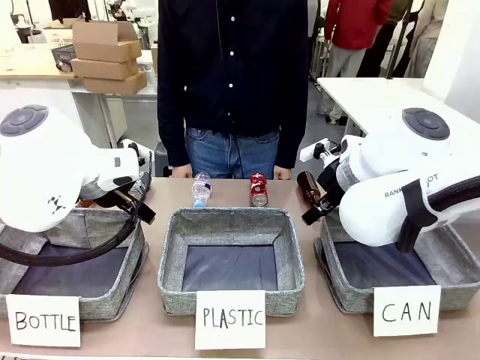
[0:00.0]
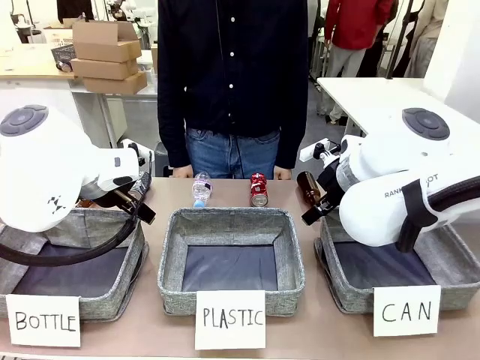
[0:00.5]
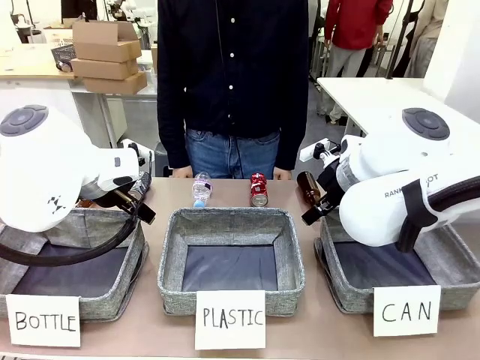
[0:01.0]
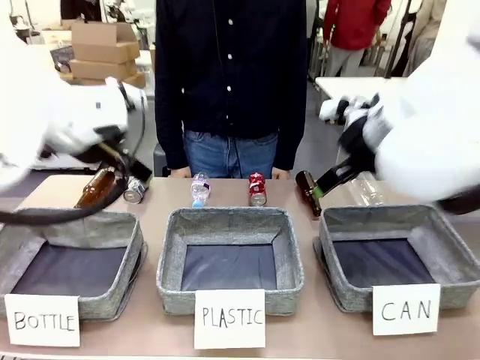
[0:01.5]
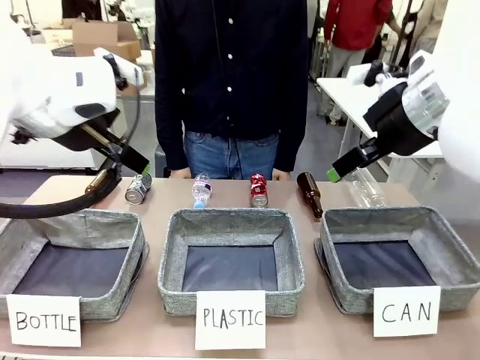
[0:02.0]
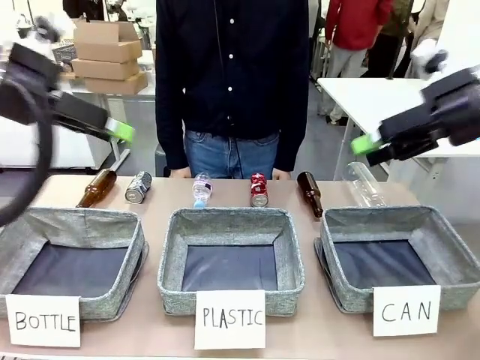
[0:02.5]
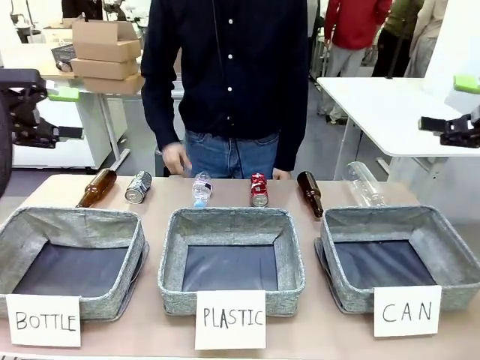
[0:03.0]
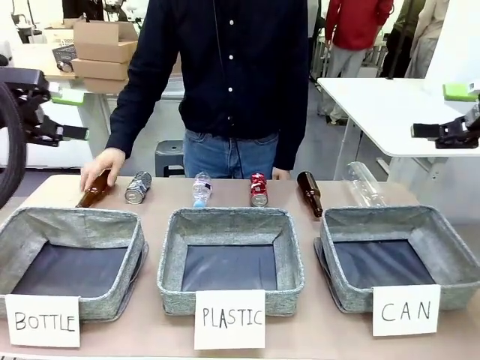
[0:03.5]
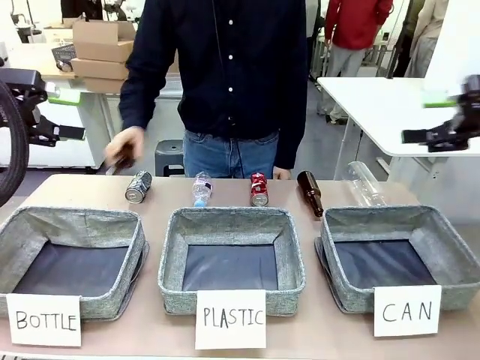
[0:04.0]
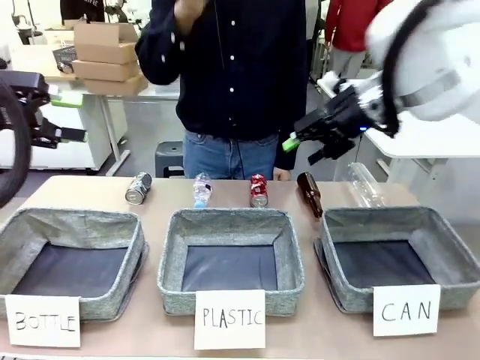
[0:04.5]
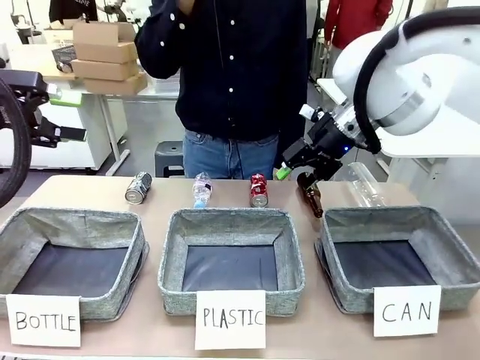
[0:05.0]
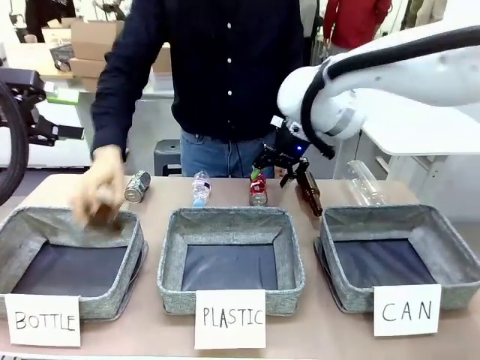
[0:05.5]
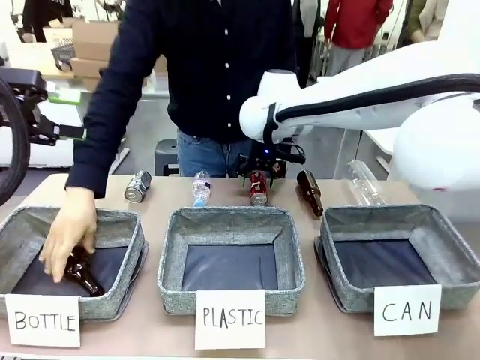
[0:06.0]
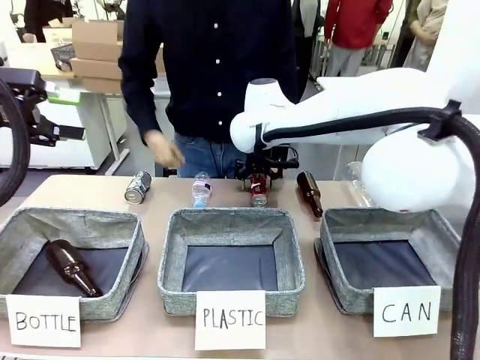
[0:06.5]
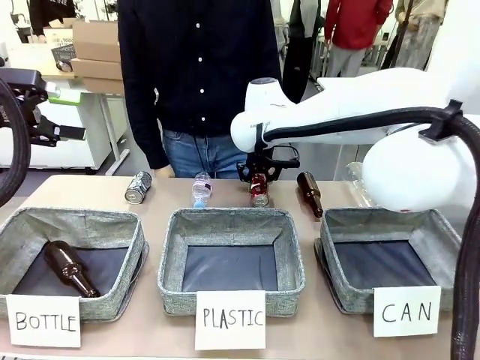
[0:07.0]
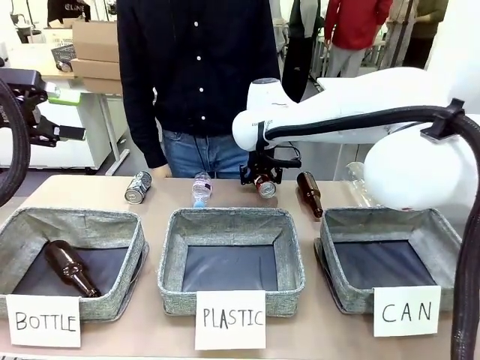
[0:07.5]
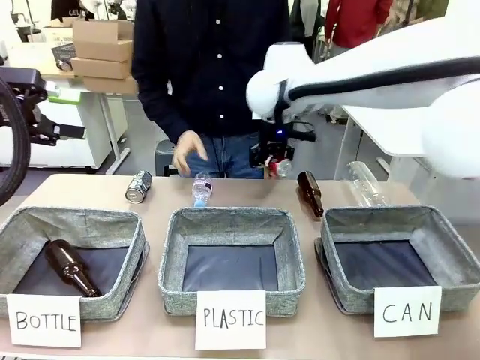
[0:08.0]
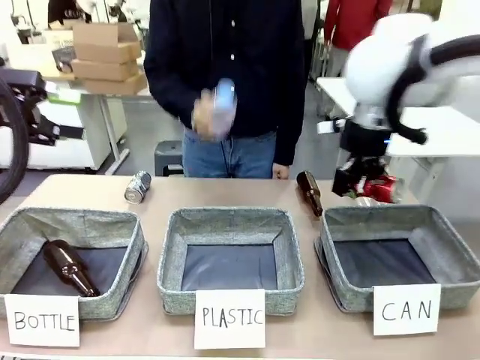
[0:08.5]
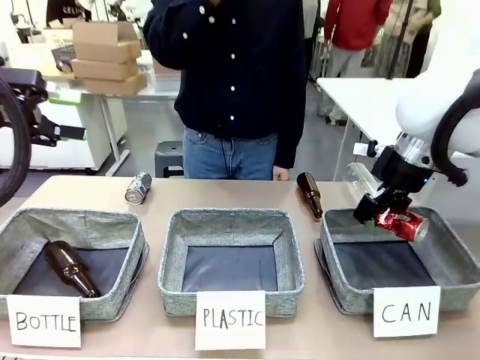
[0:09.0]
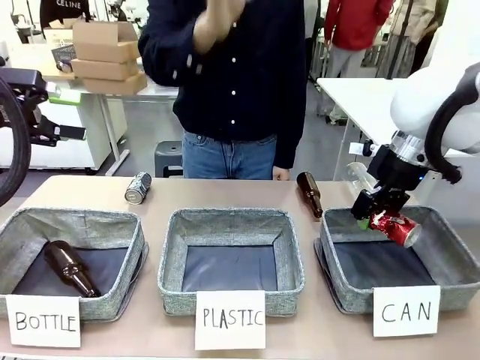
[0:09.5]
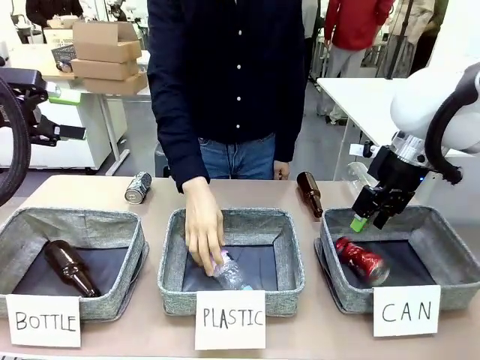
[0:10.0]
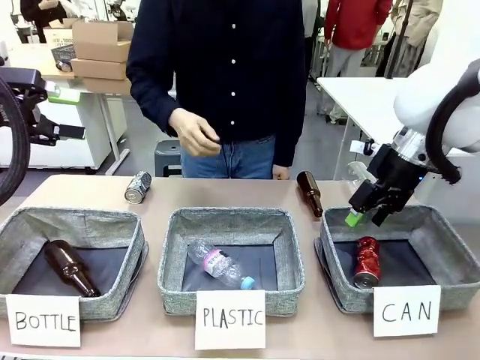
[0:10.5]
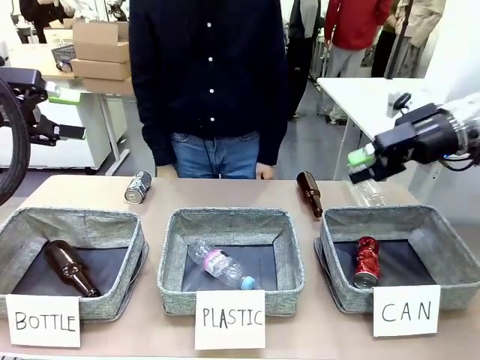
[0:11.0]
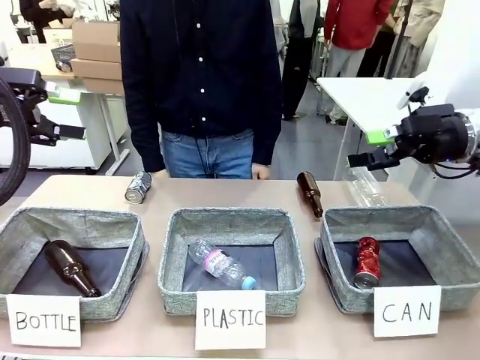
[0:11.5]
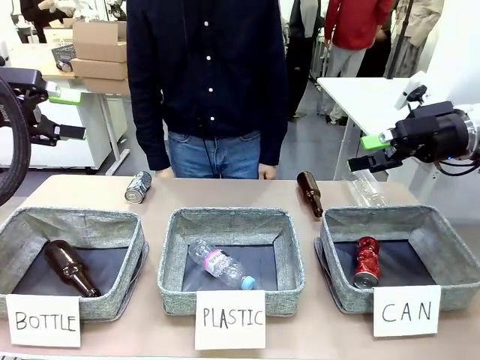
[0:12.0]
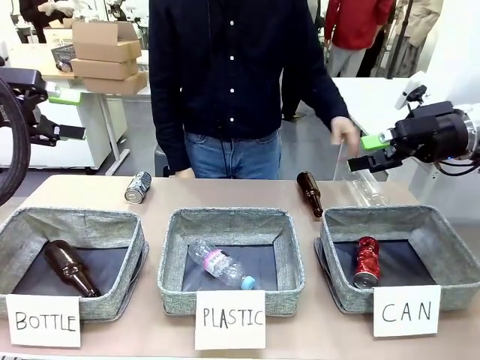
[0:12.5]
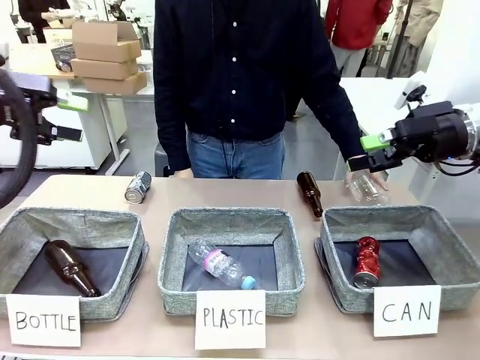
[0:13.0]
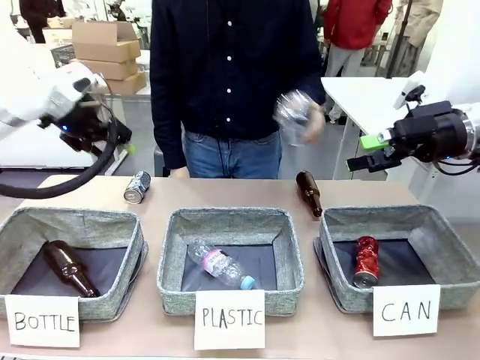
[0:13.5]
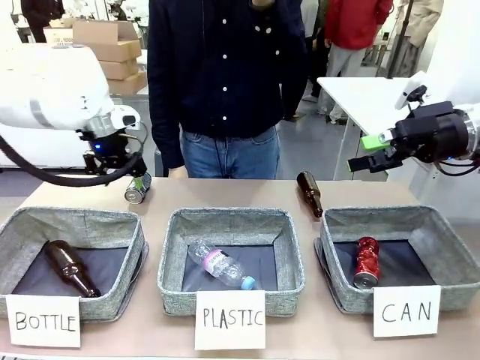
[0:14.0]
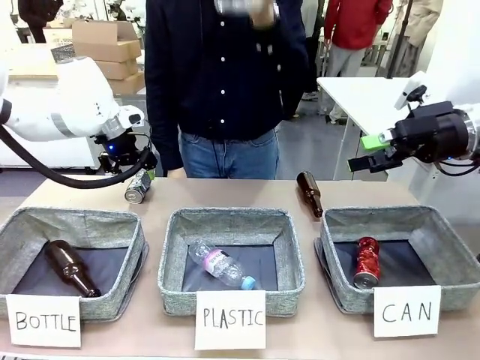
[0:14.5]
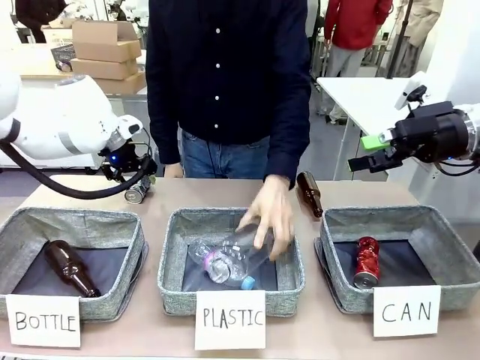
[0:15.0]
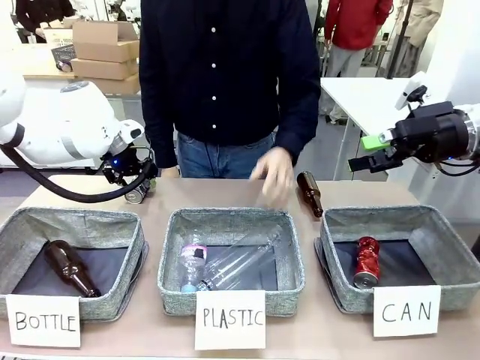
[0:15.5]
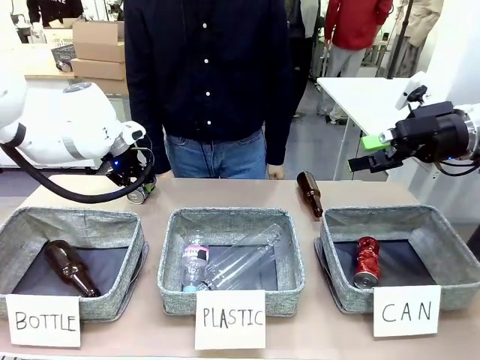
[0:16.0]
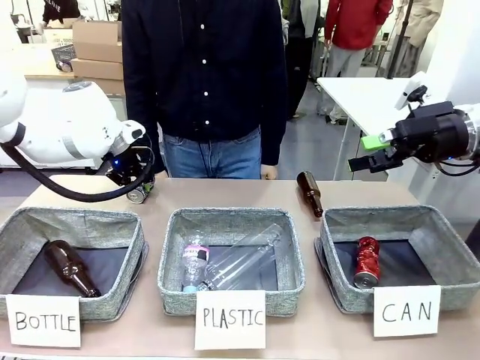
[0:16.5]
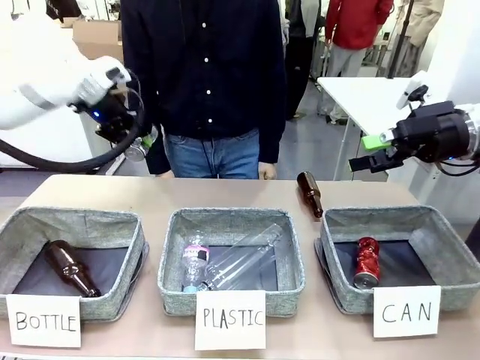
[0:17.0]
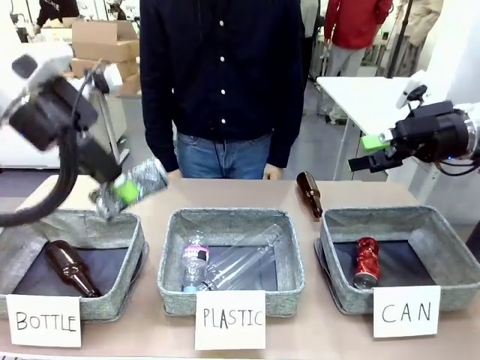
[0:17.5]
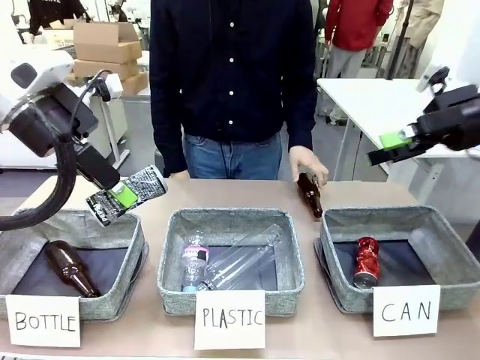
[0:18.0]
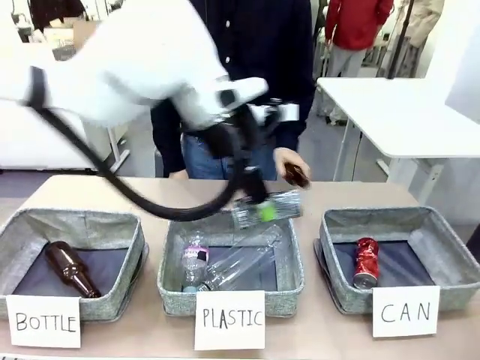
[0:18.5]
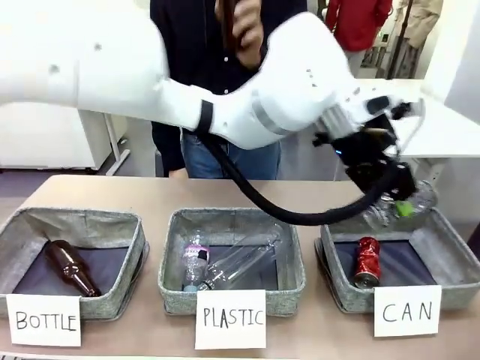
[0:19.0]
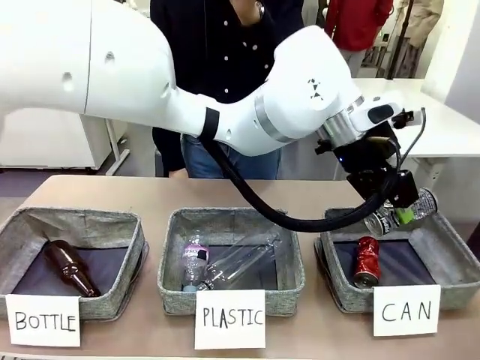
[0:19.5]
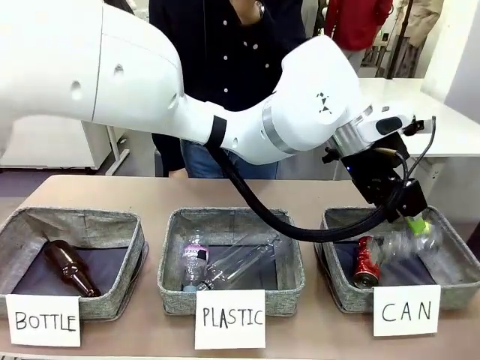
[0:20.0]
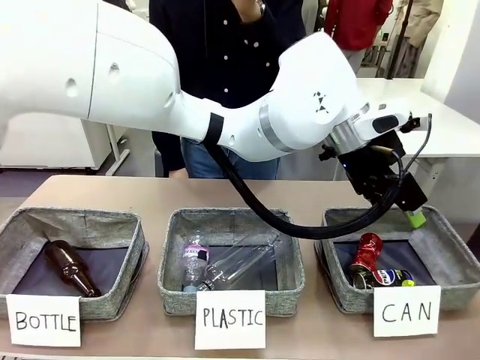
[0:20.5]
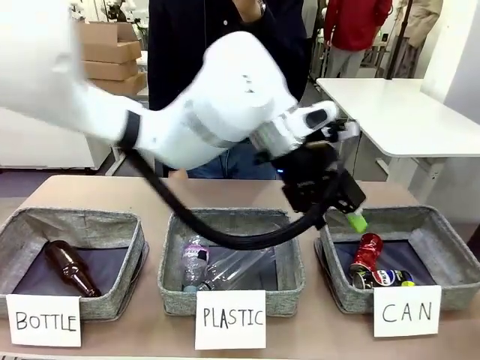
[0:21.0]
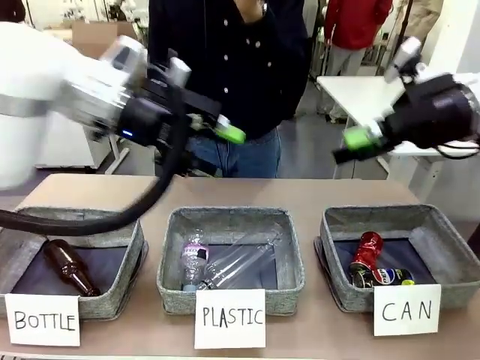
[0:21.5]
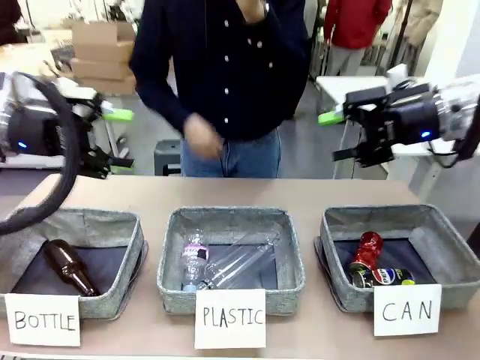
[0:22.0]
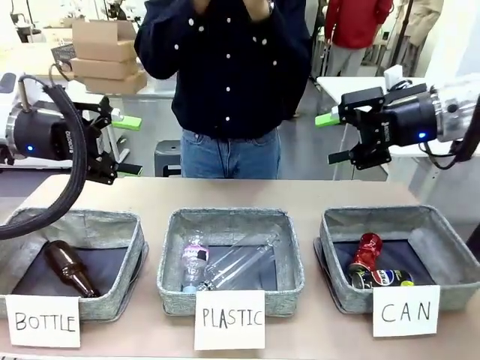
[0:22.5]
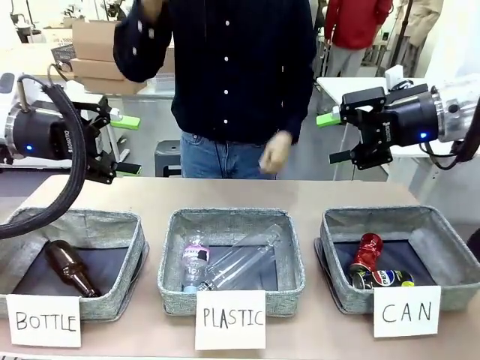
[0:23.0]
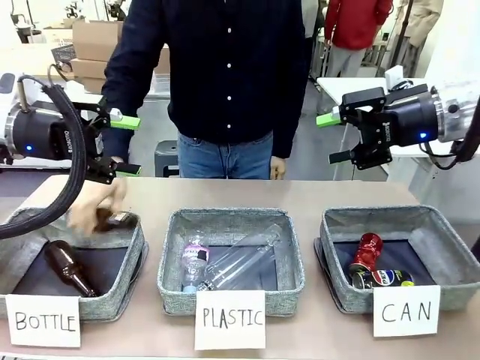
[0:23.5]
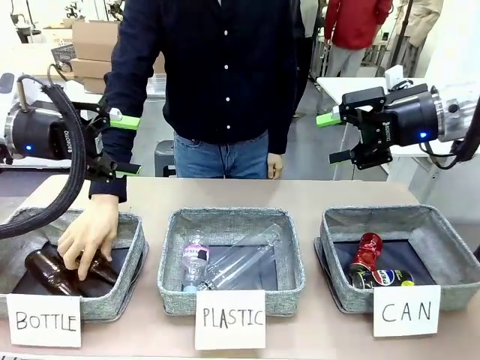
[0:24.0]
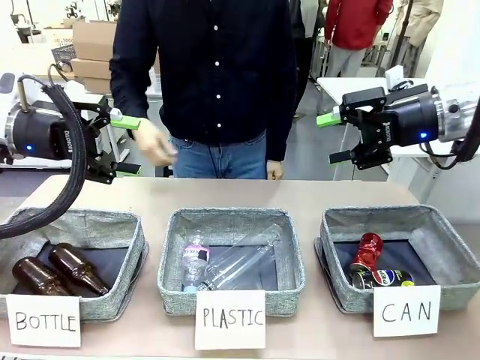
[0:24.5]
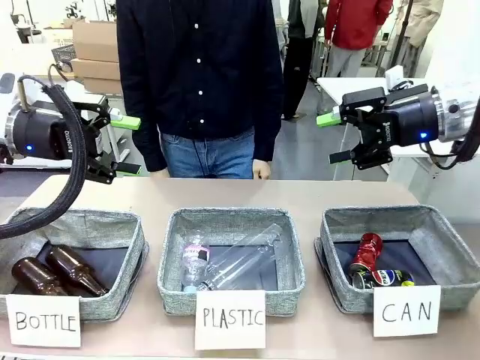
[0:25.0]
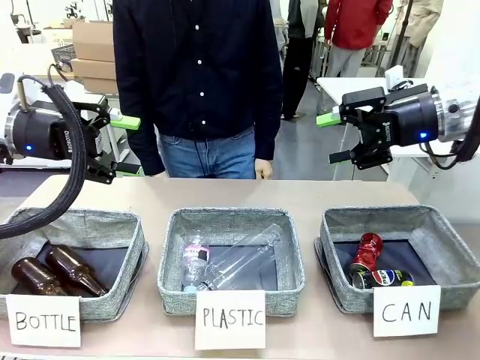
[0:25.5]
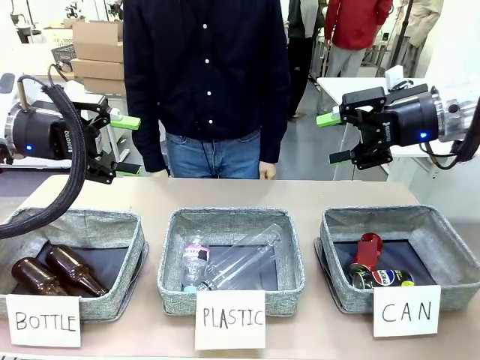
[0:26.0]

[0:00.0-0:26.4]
Task: Sort the can waste into the basket.
Robot: Pick up the can waste from the table and place it in the right Fabric basket.
Person: The human picks up one piece of trash that is not a can and places the trash into the appropriate organizing basket.
